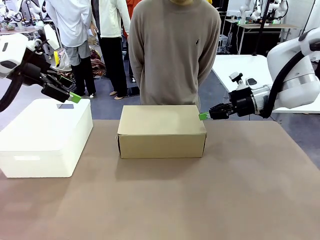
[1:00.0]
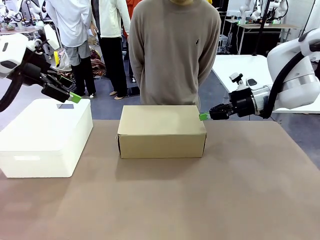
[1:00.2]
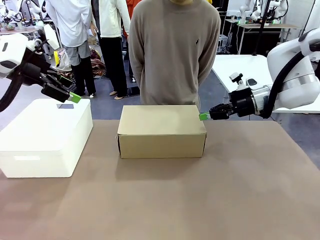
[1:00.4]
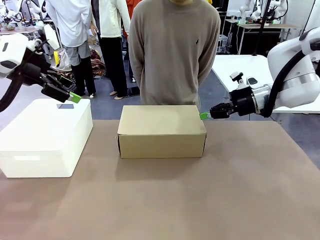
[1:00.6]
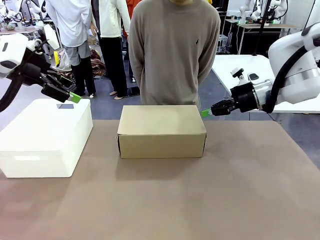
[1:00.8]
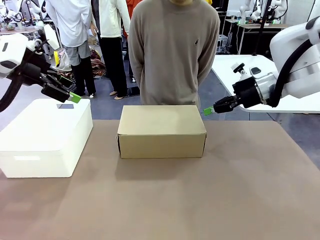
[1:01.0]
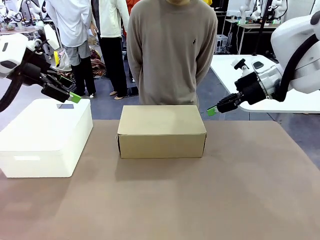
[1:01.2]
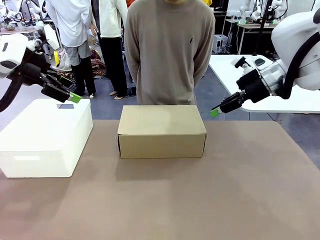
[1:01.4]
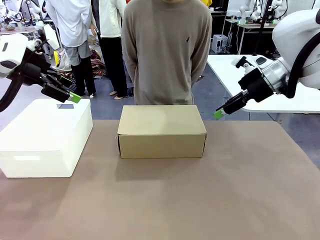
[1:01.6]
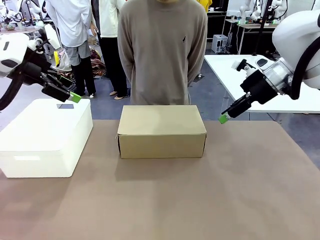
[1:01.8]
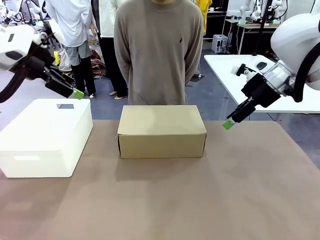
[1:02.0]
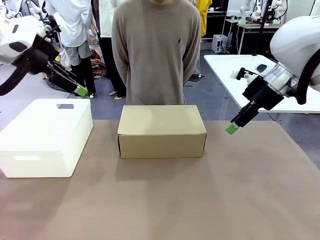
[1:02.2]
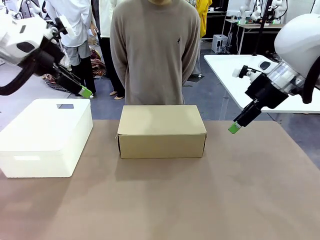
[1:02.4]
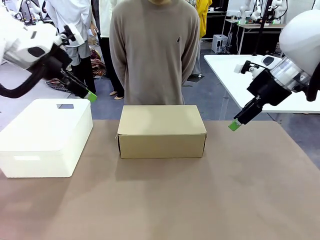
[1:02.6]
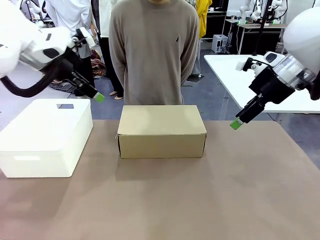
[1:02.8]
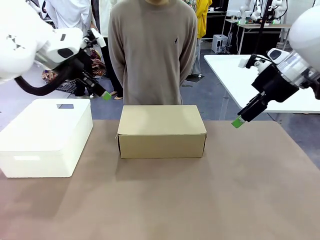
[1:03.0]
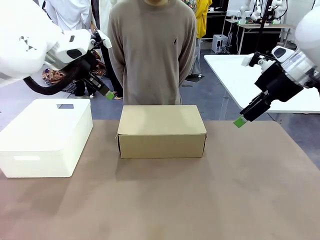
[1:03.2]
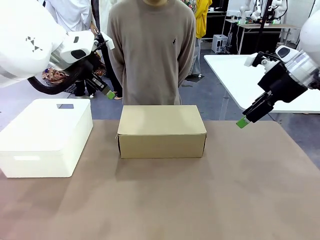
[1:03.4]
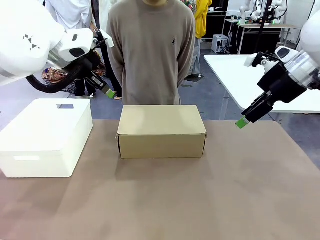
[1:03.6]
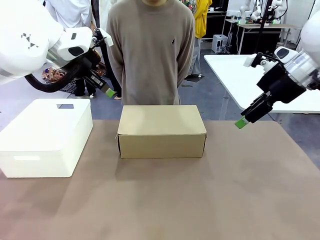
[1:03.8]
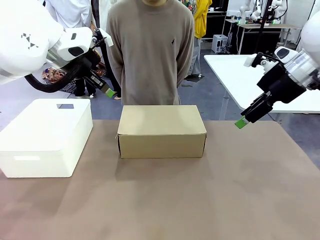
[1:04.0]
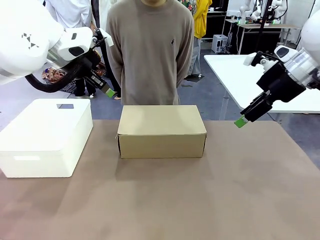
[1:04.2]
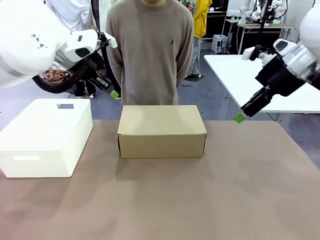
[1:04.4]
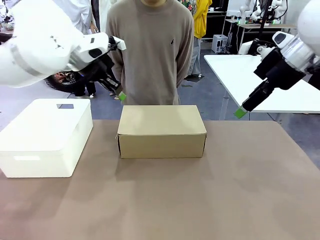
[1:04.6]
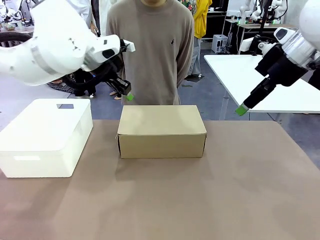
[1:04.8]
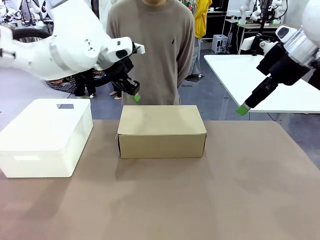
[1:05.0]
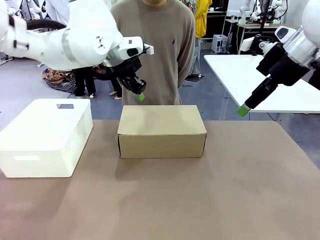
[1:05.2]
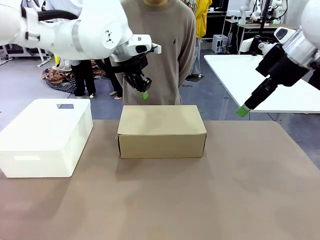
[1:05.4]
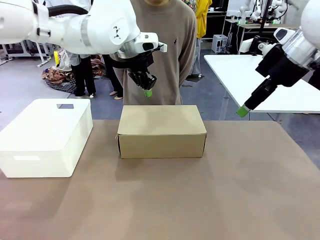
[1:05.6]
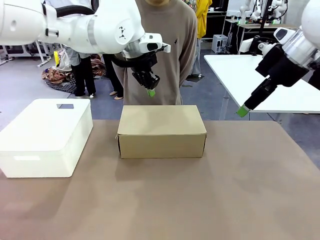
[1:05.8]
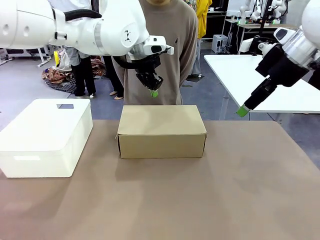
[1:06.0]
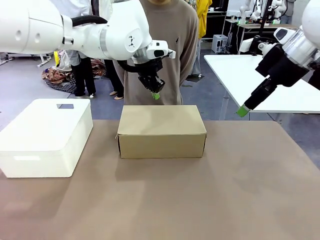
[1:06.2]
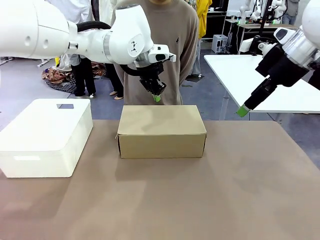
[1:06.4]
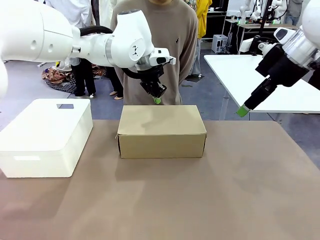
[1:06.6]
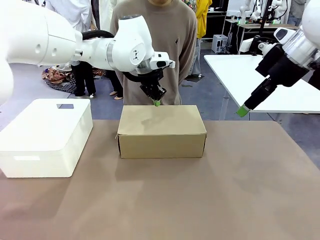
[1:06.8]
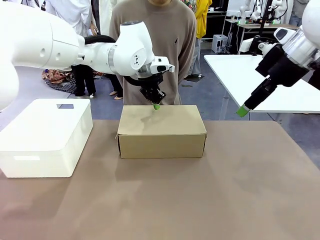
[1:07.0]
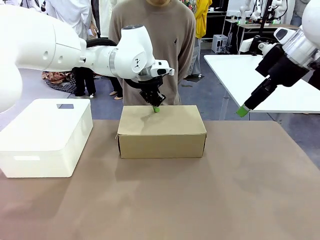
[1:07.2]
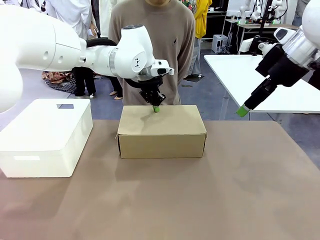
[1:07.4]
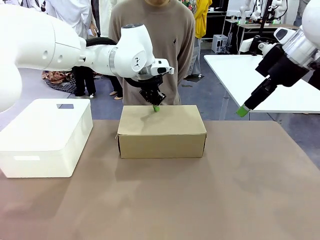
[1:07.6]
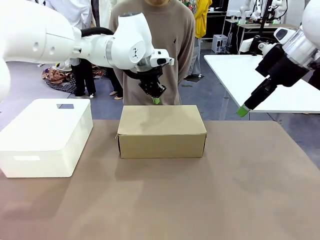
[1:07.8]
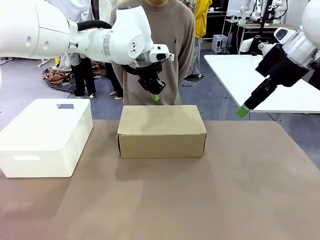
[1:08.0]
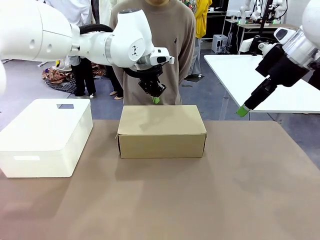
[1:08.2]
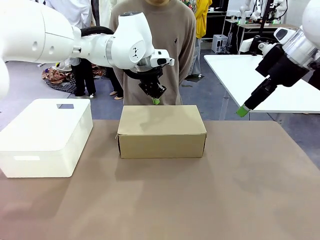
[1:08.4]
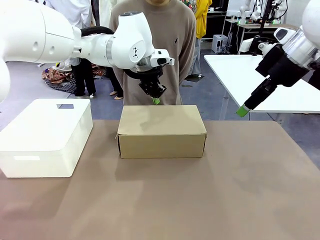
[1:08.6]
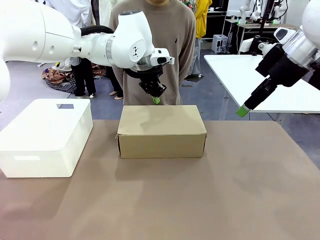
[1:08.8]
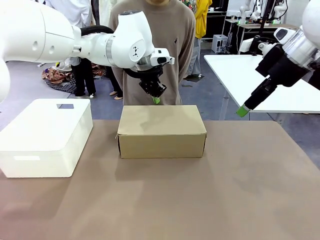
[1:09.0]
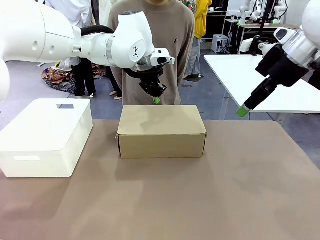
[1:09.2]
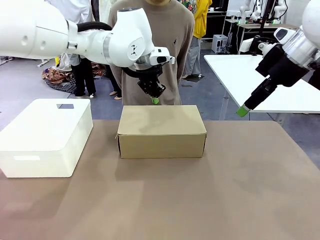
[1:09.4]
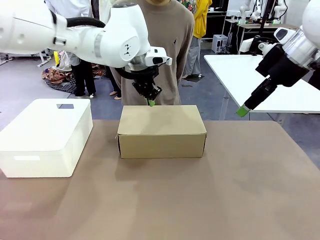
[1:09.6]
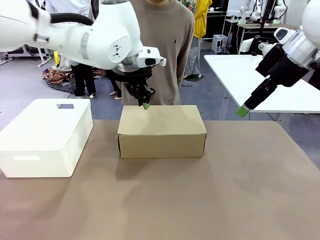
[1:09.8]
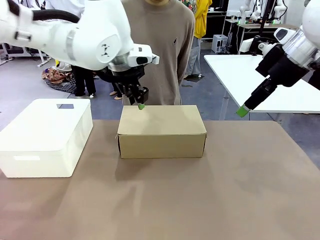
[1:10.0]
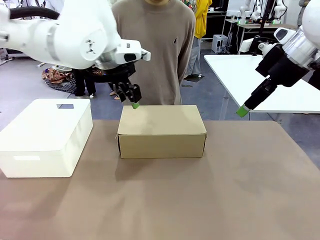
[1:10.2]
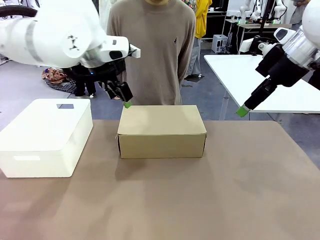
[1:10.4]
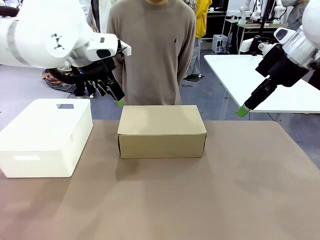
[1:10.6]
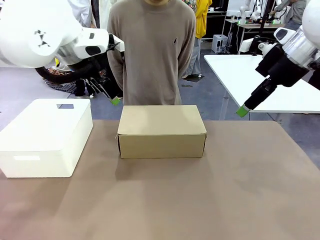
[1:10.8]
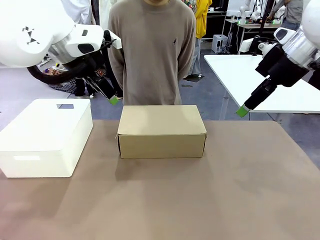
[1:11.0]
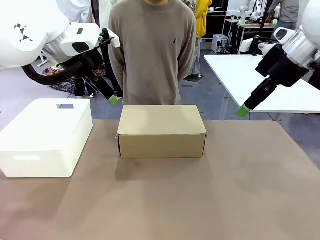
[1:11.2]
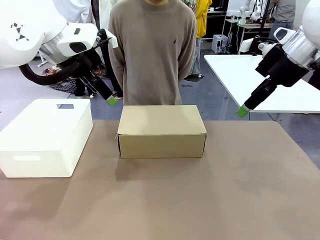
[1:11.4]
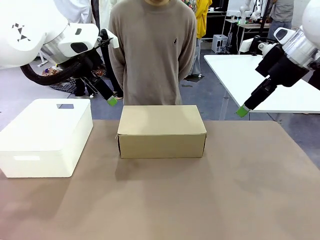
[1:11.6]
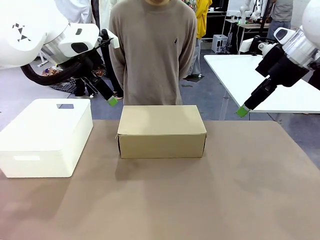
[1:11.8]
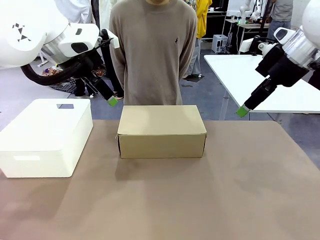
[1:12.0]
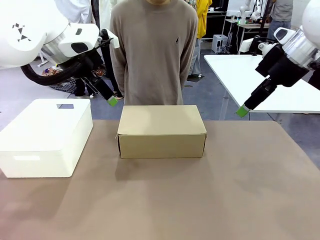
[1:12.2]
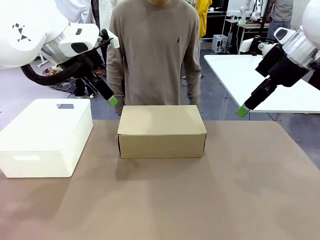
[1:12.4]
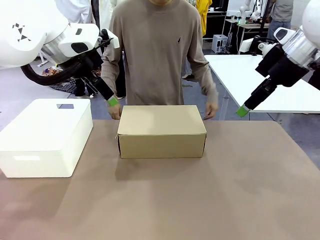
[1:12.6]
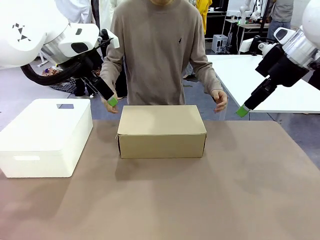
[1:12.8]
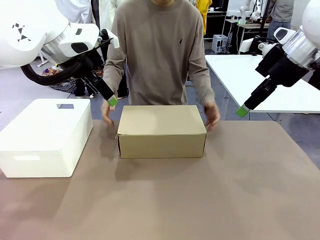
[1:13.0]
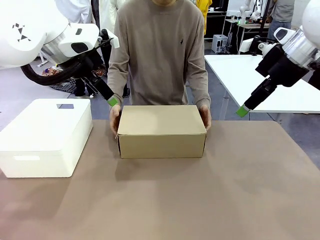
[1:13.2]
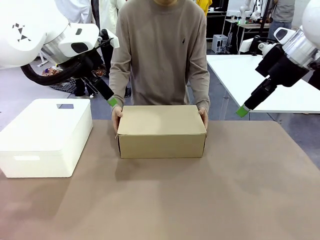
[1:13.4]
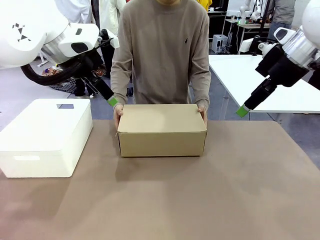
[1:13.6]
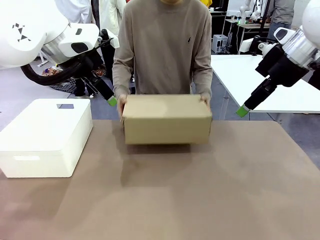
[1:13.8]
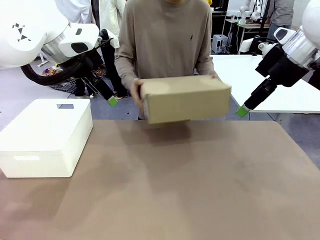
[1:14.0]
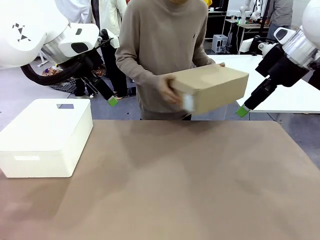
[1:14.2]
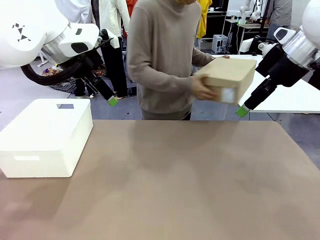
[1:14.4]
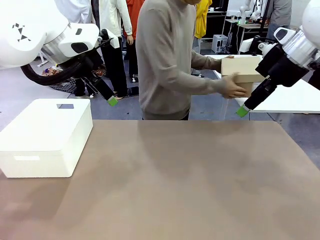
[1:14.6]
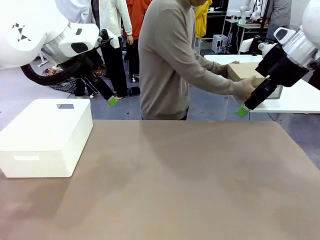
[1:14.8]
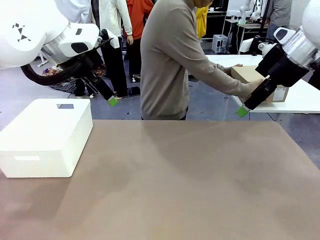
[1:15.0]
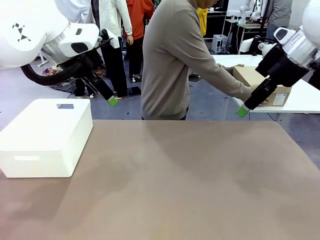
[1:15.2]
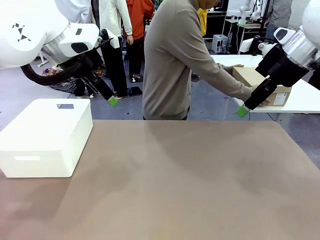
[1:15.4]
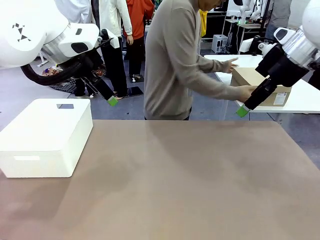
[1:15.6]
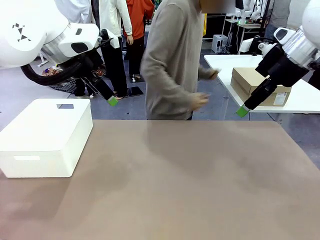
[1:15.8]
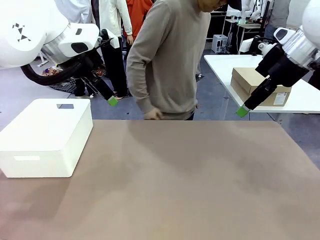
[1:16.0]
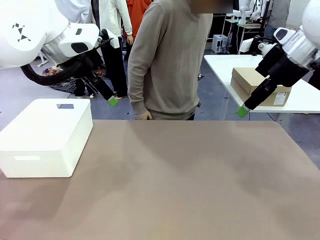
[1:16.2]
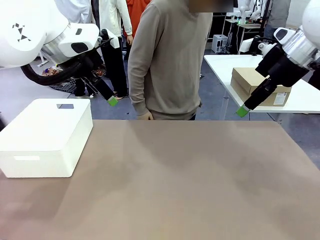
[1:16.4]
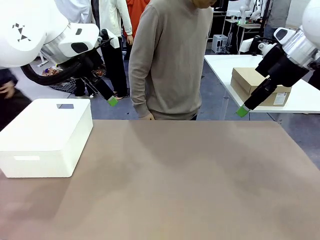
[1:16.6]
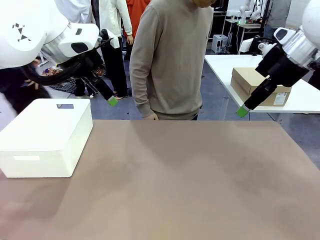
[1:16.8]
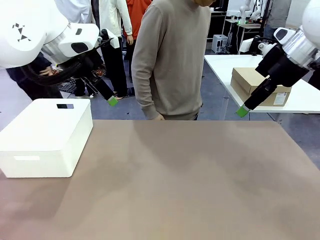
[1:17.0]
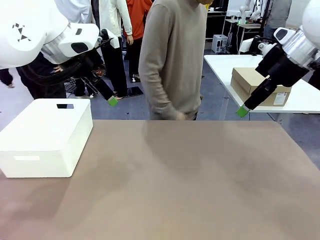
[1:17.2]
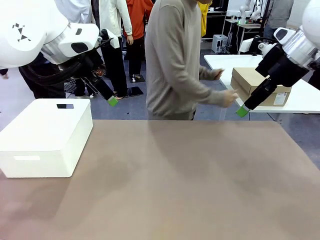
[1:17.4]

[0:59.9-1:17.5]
Task: Pack the shoes into the box.
Robot: Press down on the lid of the Shoes Box.
Person: Place the closed Shoes Box to the right side of the human table.
